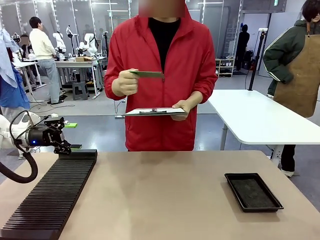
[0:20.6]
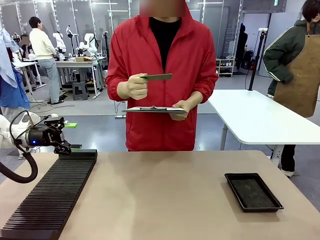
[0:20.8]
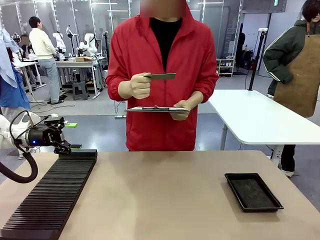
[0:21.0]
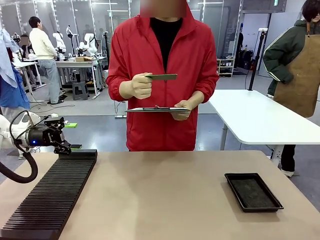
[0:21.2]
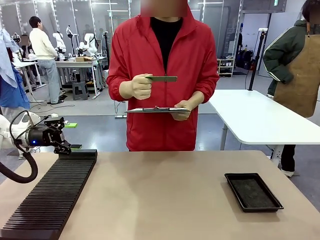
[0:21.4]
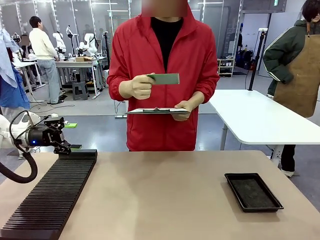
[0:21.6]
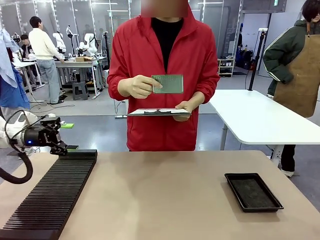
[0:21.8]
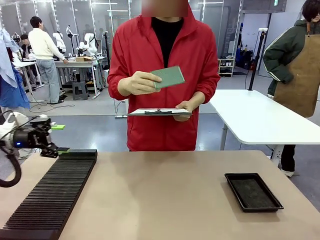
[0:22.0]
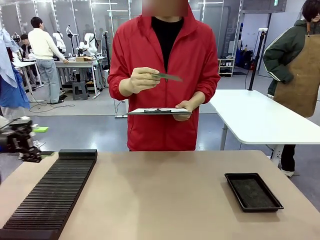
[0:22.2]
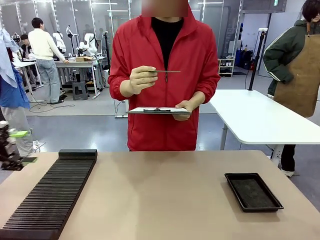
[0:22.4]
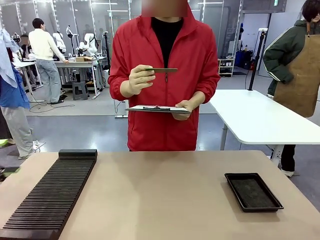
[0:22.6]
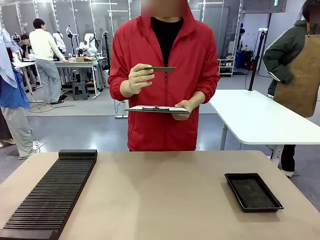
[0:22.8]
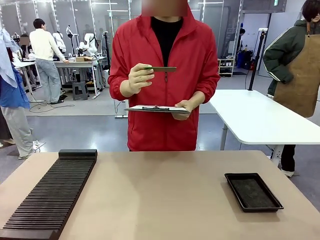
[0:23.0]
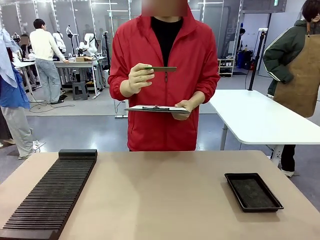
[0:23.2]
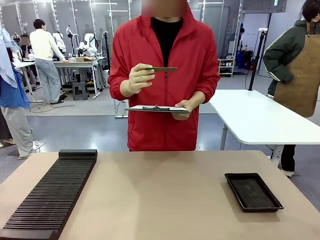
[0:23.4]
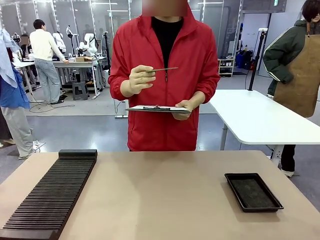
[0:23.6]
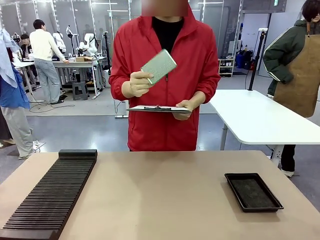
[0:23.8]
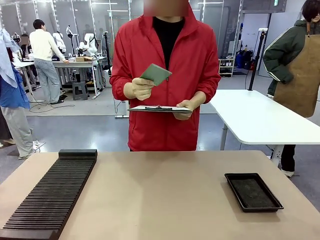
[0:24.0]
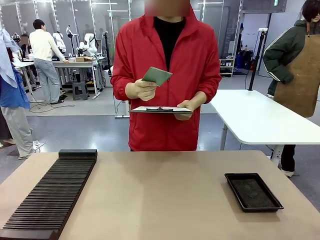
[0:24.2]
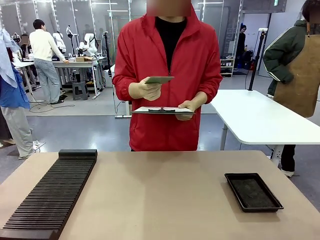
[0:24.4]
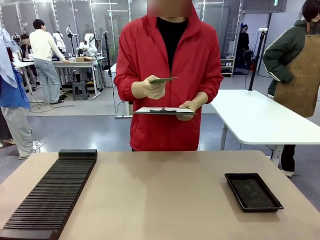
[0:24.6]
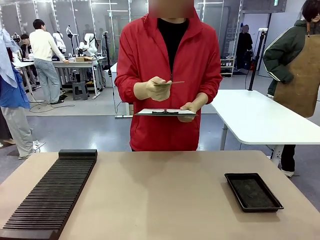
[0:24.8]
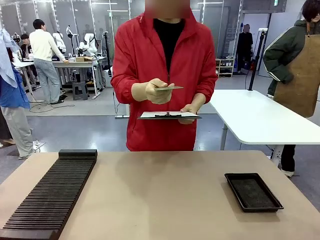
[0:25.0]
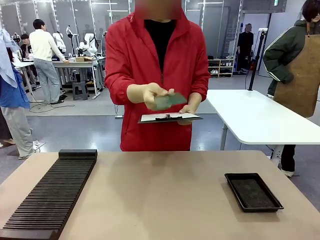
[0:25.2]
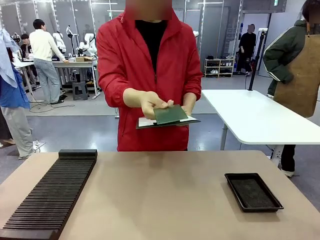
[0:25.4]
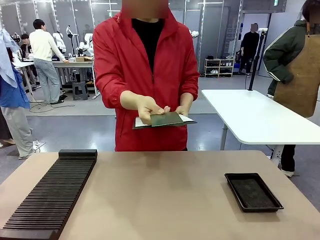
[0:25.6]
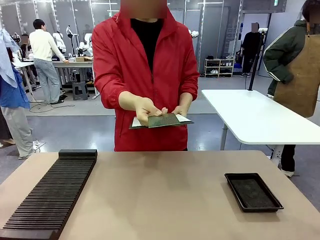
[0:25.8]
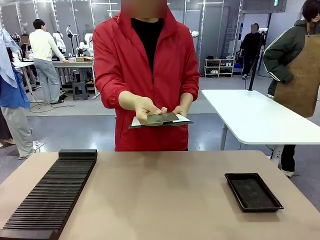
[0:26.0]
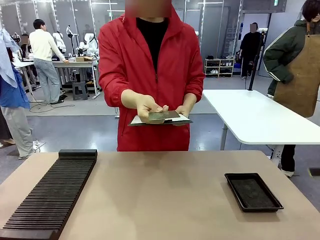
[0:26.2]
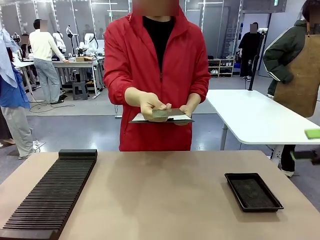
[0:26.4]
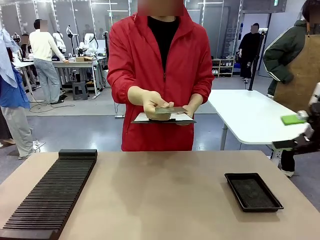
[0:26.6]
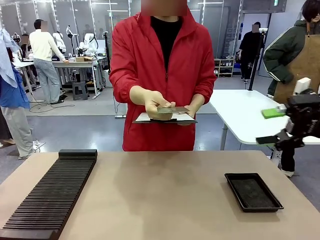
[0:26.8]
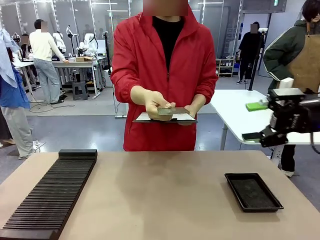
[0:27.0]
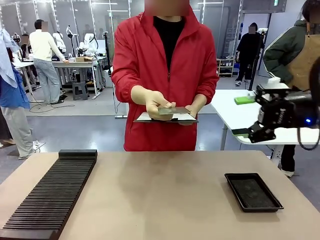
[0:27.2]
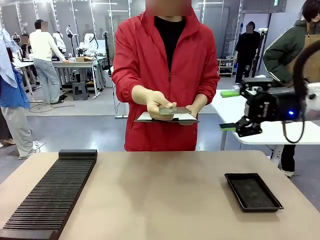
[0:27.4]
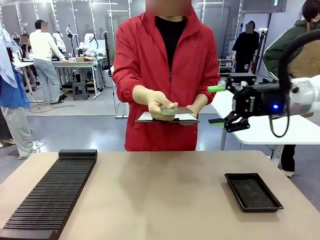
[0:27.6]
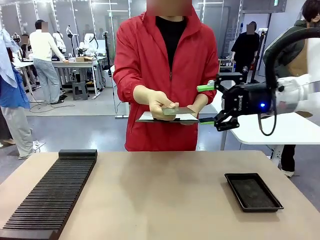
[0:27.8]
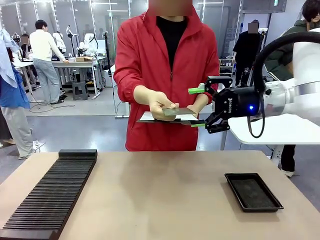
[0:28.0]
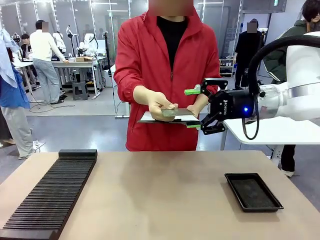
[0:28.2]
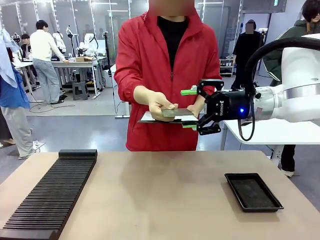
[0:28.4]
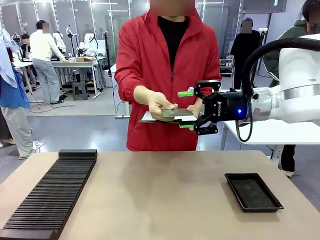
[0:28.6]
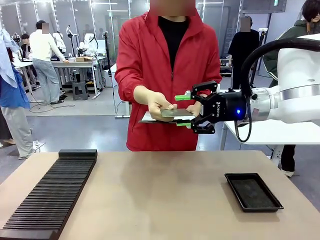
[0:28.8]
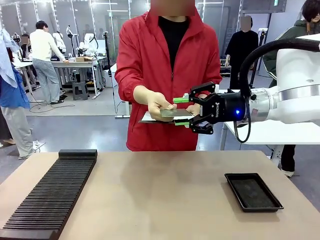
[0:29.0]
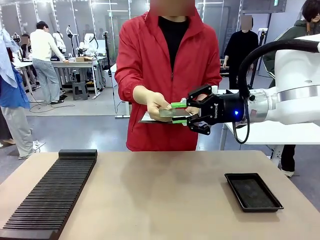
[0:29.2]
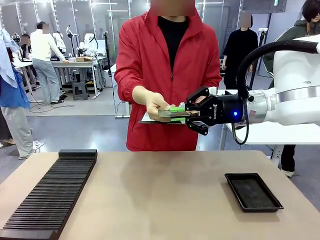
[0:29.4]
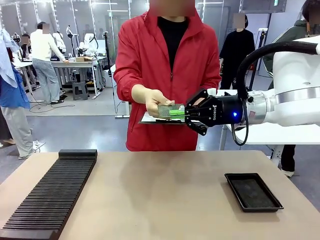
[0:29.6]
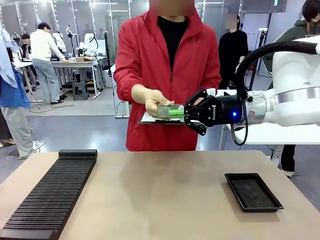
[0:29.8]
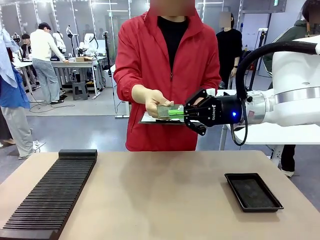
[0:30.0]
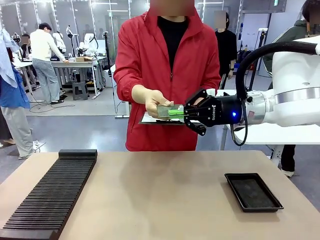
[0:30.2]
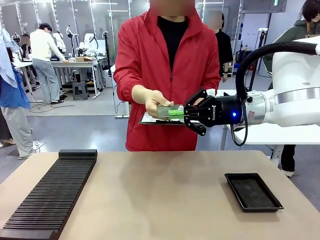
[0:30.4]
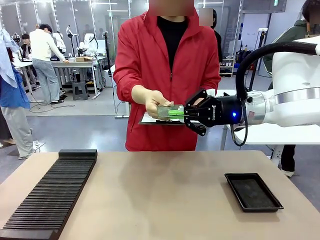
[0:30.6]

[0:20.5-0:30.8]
Task: Inspect the PCB.
Robot: Pick up the Blank PCB that the human is holding.
Person: Inspect the PCB placed by the robot, then hold it out in front of the robot. Release the PCB you were holding.

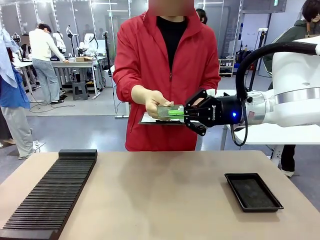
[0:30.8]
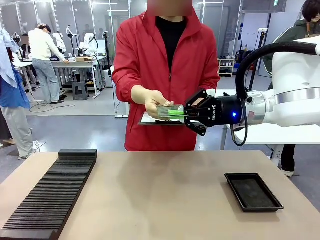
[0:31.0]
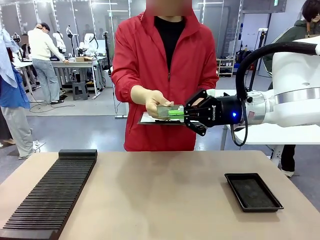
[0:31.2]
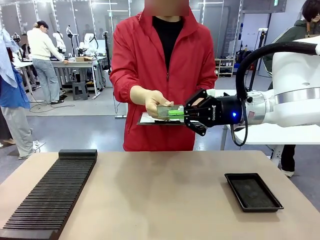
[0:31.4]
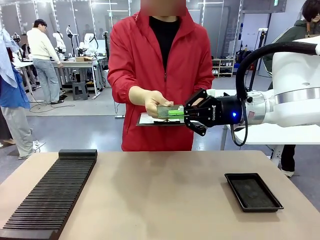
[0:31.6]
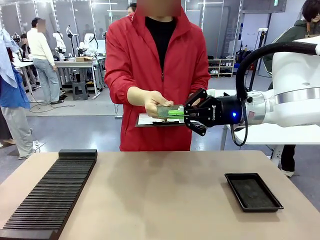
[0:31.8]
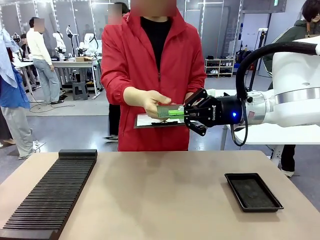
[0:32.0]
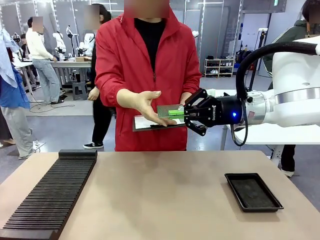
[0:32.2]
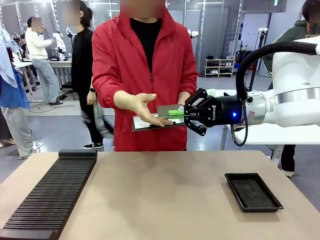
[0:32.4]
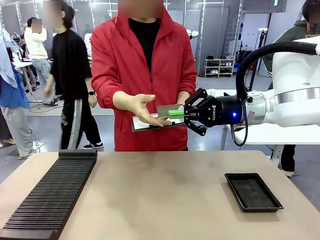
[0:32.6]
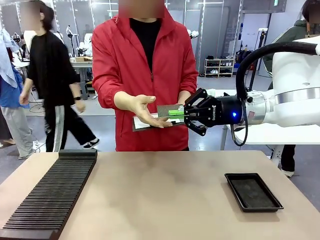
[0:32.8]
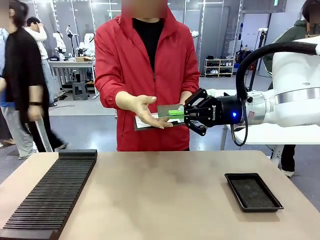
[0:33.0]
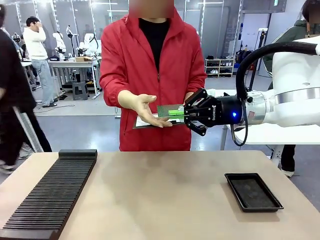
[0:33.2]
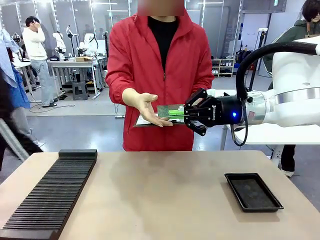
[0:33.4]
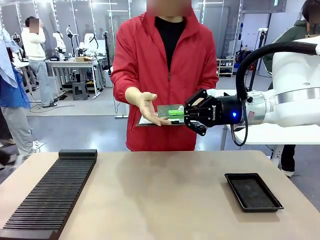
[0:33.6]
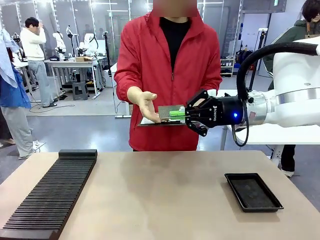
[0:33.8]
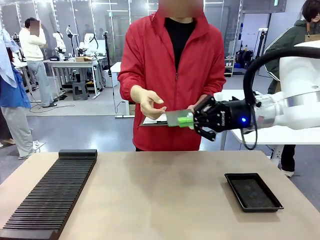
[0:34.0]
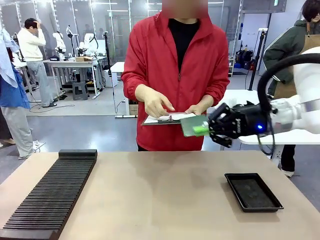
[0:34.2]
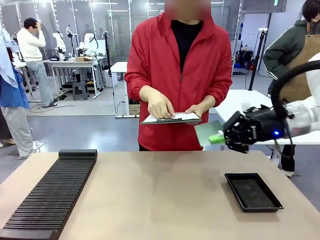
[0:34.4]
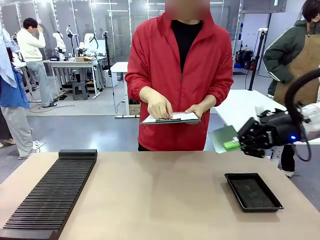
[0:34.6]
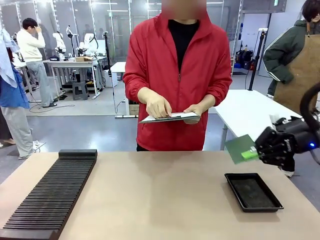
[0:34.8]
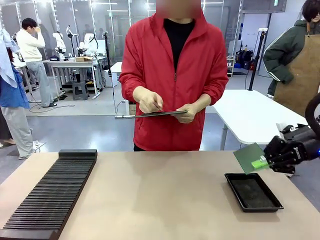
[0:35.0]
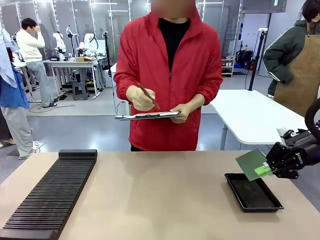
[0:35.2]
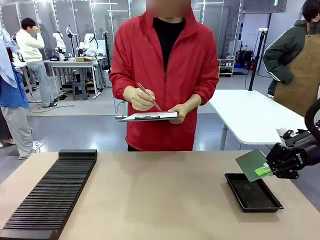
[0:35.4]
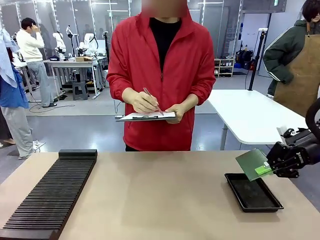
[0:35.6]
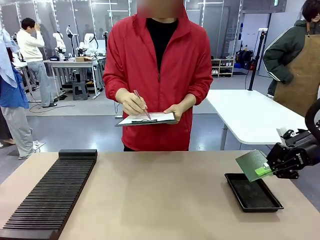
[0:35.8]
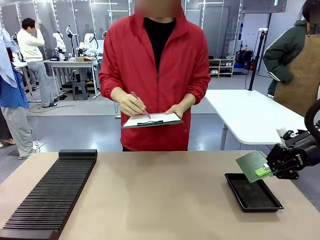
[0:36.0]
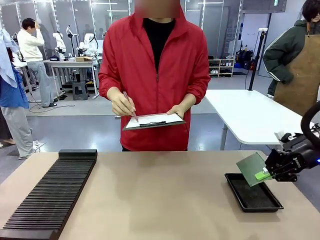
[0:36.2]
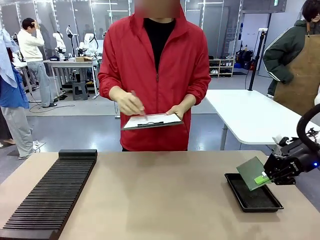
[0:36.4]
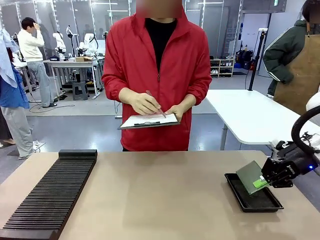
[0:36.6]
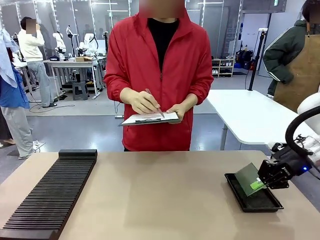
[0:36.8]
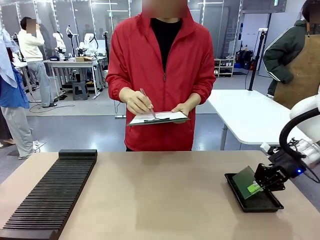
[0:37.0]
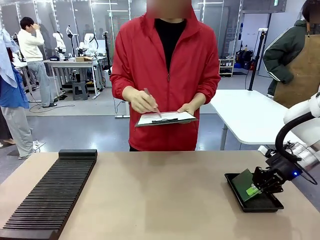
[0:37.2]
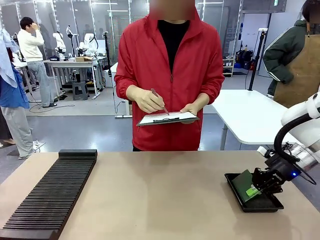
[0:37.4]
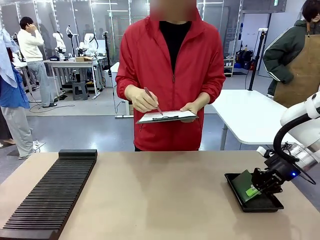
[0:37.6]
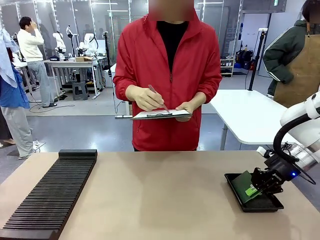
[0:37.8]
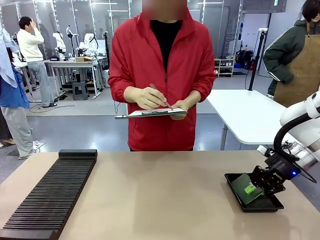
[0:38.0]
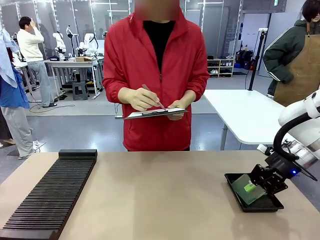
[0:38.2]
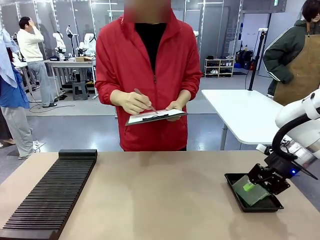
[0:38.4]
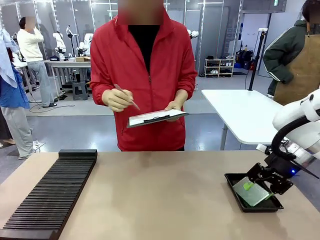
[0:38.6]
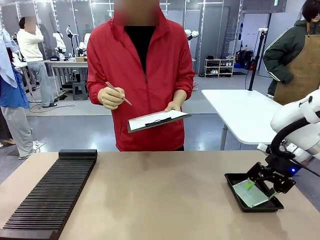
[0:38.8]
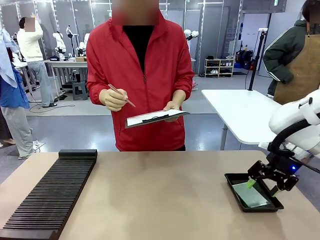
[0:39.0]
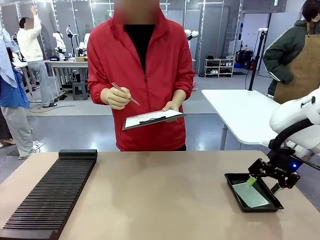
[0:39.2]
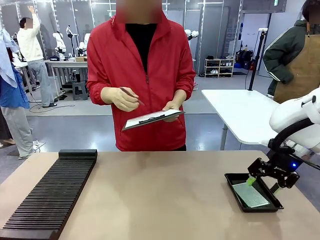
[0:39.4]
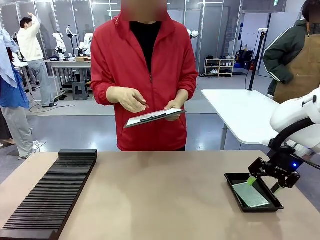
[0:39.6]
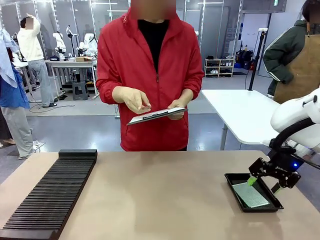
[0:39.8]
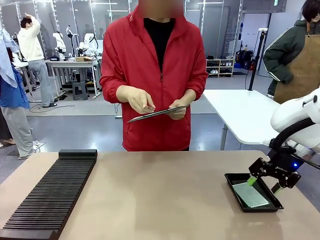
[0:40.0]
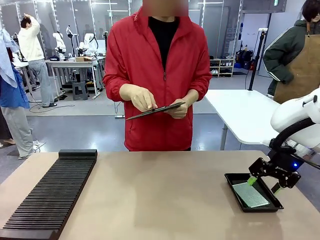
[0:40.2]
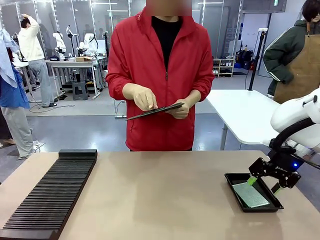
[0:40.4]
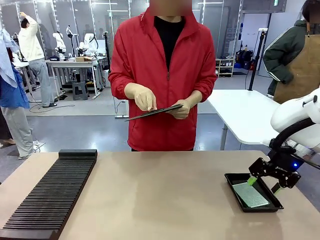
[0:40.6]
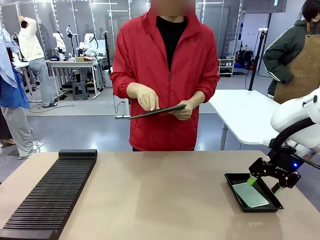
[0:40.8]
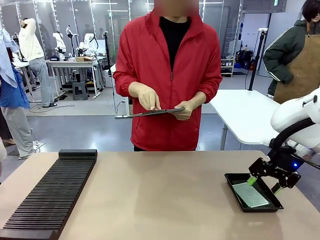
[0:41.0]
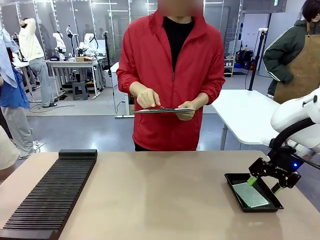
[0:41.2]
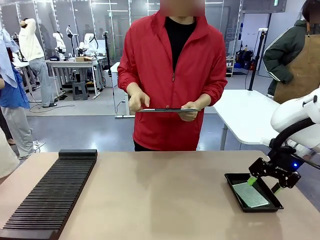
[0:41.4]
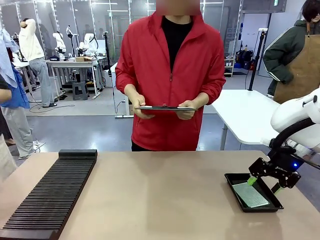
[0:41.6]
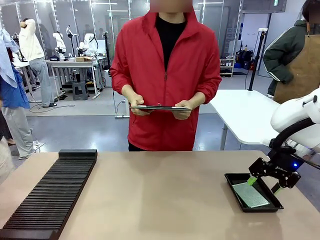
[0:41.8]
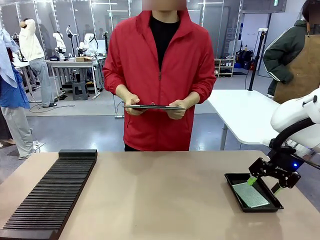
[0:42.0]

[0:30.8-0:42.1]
Robot: Place the Blank PCB in the ESD tray.
Person: Record the PCB status on the paper.
